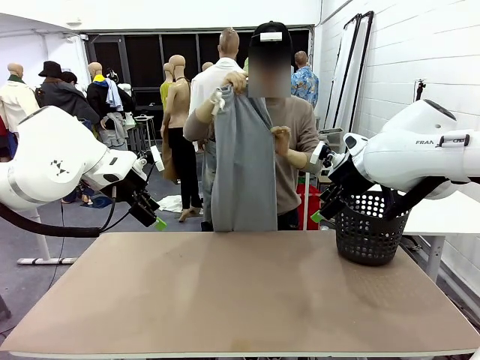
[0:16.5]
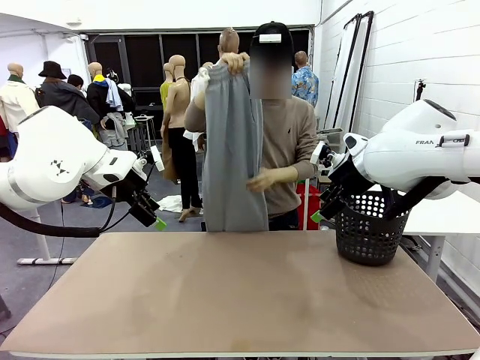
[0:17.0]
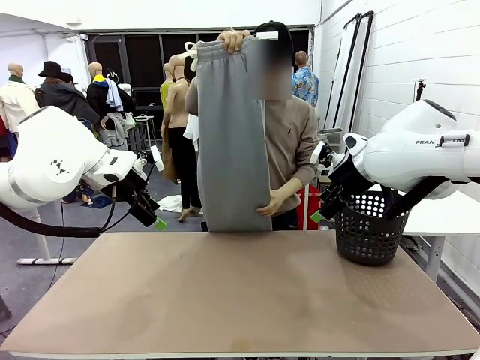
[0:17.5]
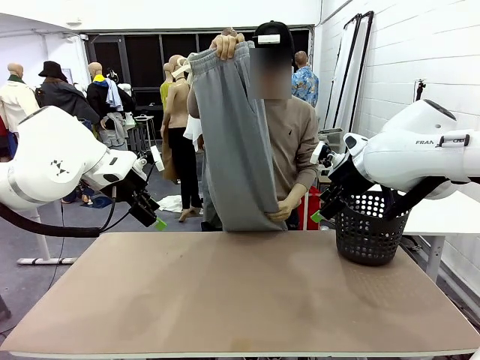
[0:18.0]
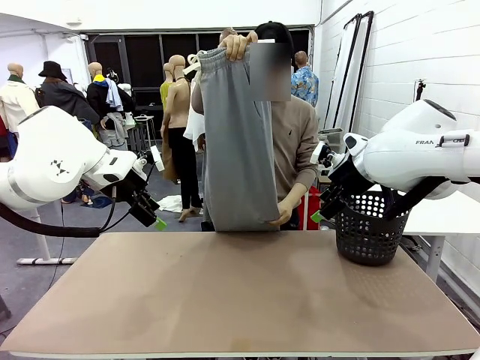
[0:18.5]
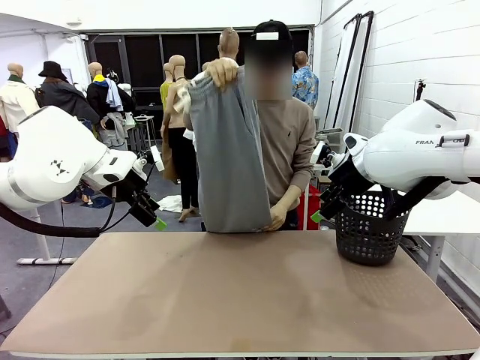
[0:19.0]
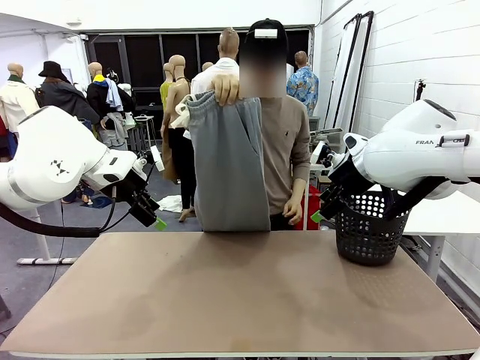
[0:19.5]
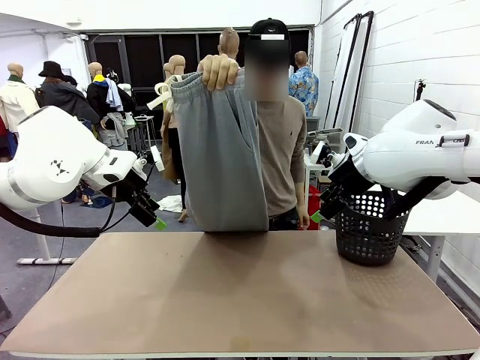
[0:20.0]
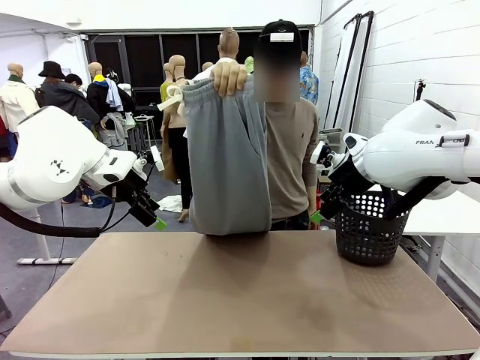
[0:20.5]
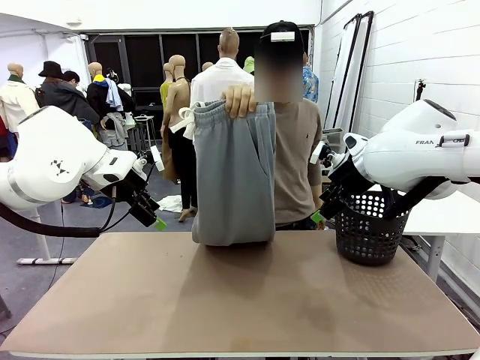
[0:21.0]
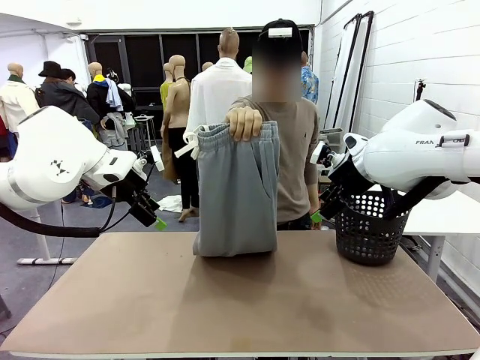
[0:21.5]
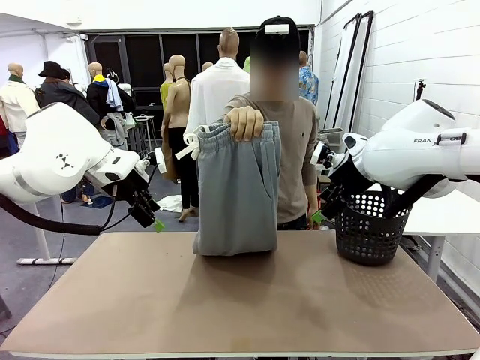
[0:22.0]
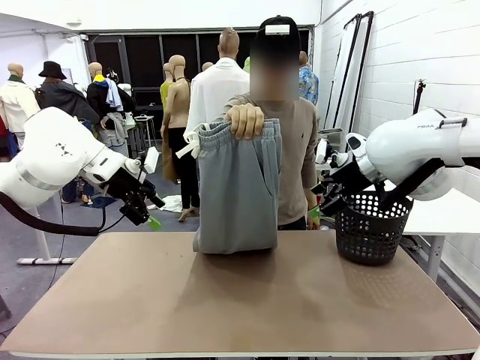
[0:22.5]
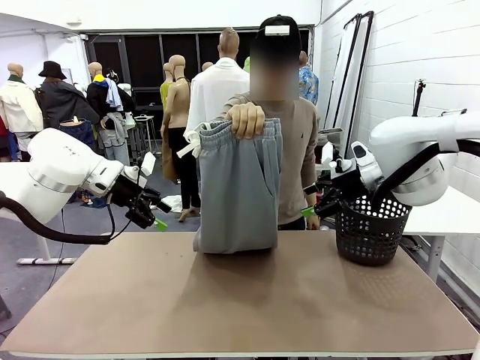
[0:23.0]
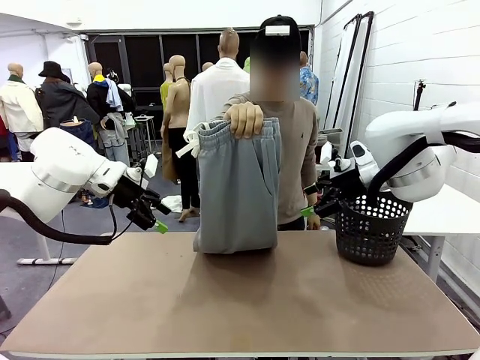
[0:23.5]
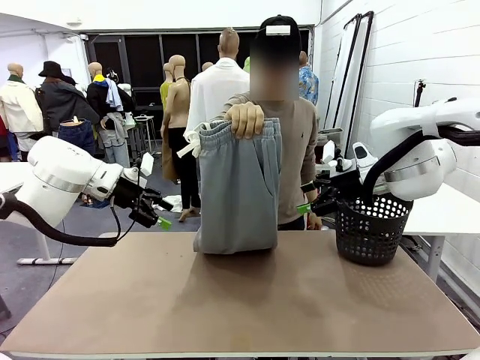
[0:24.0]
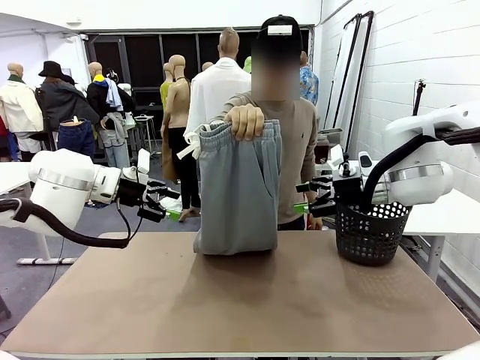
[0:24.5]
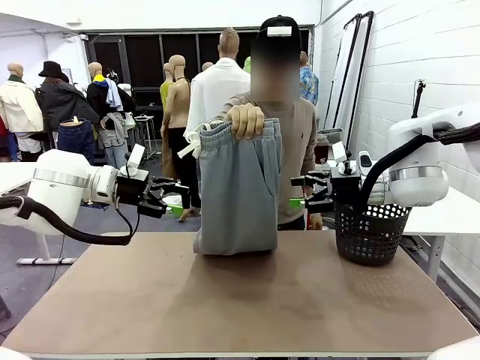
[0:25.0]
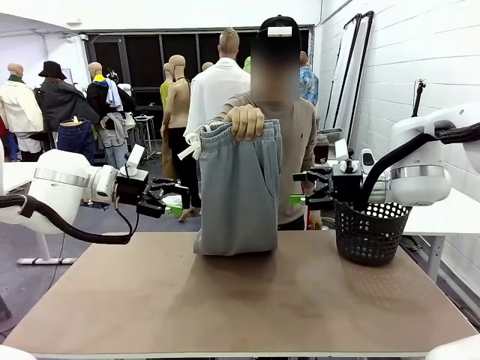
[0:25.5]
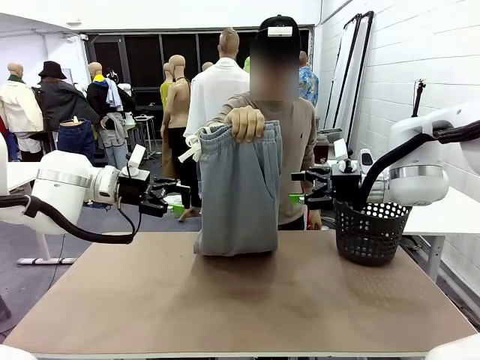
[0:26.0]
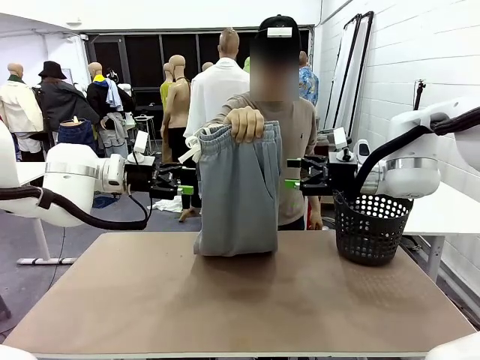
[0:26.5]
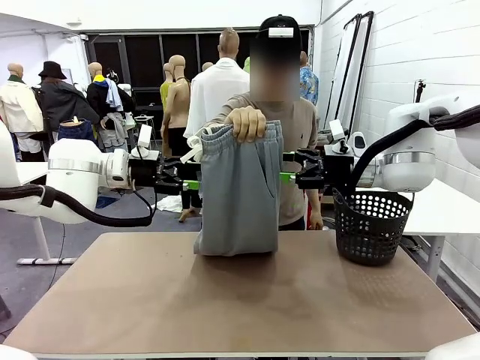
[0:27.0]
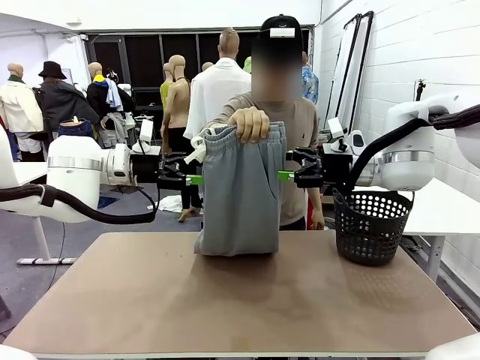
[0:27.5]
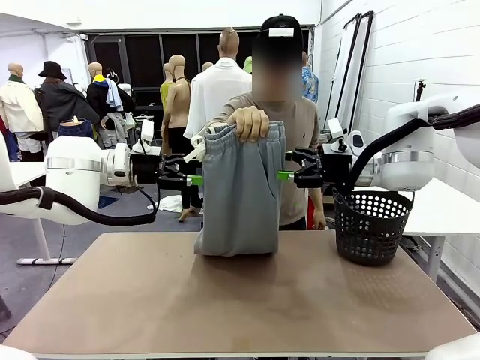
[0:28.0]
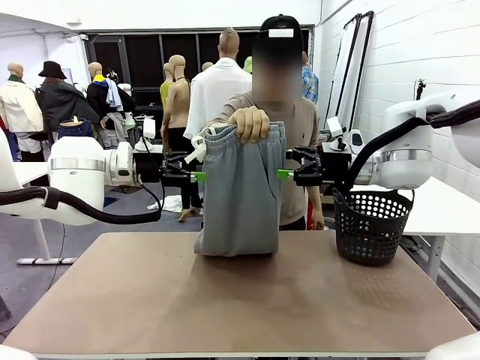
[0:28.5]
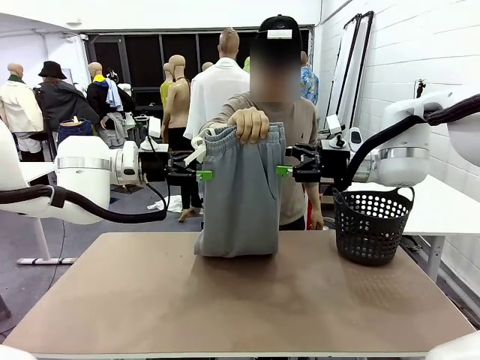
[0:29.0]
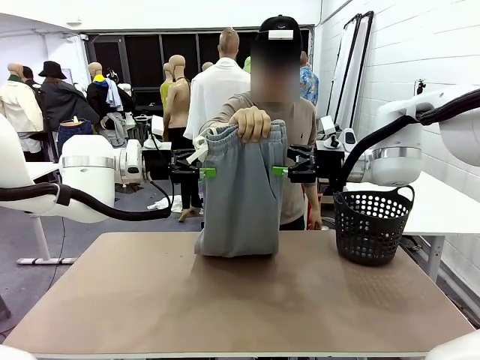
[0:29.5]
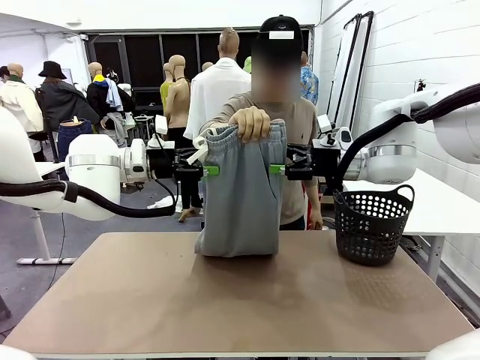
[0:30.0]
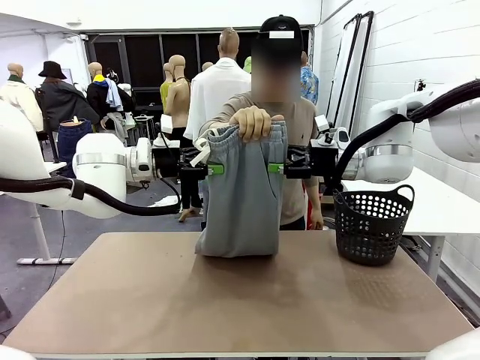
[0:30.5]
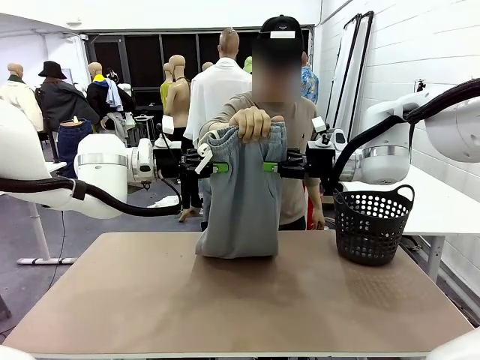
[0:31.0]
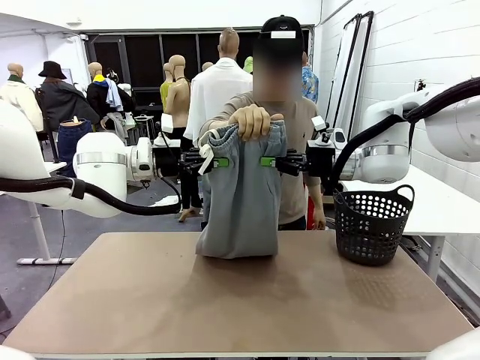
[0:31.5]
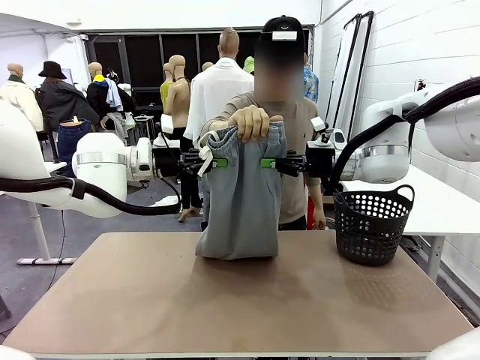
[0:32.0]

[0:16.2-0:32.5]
Task: Fold the training pants.
Robot: Grab both ends of the Training pants handed by a person.
